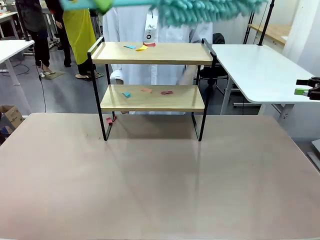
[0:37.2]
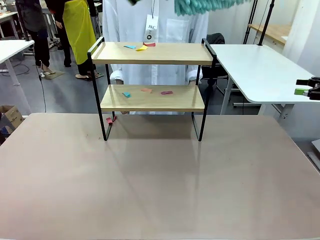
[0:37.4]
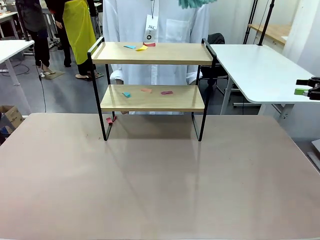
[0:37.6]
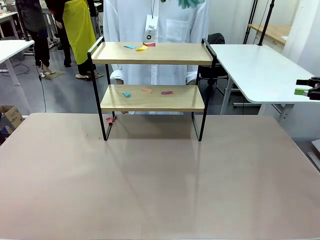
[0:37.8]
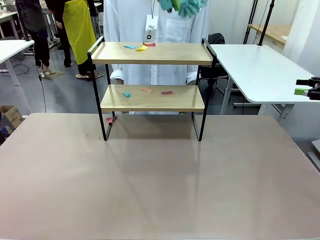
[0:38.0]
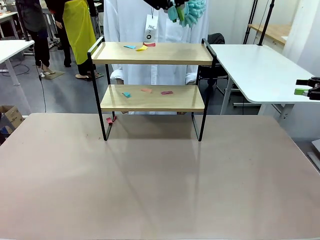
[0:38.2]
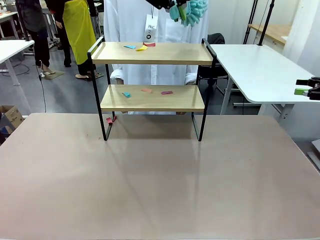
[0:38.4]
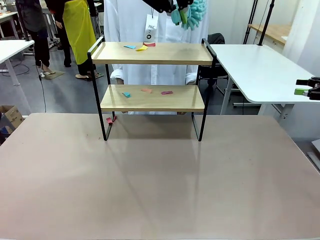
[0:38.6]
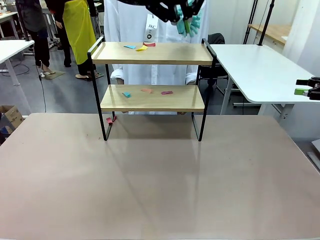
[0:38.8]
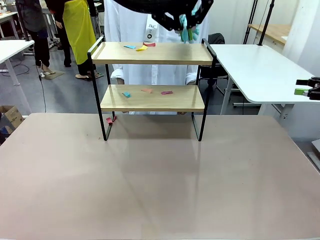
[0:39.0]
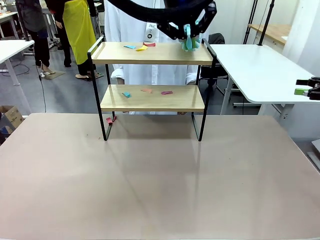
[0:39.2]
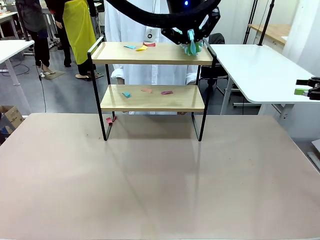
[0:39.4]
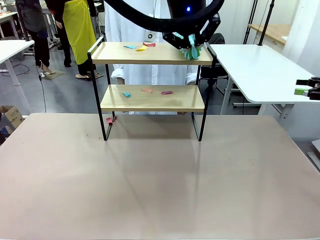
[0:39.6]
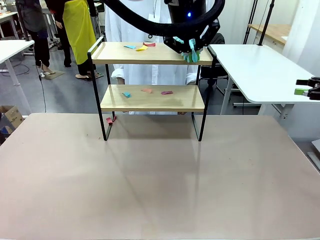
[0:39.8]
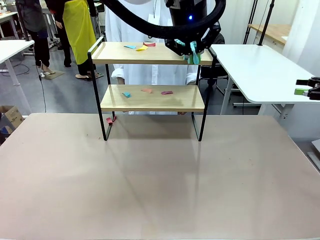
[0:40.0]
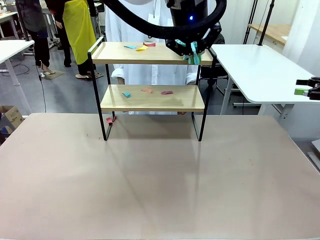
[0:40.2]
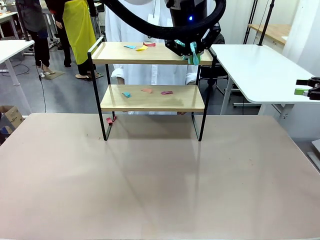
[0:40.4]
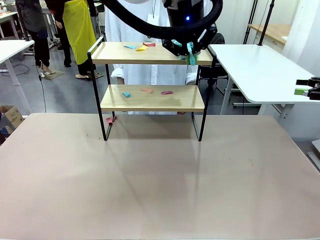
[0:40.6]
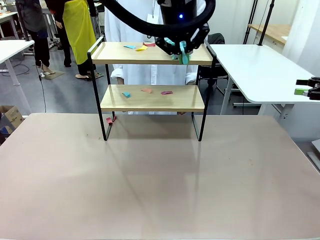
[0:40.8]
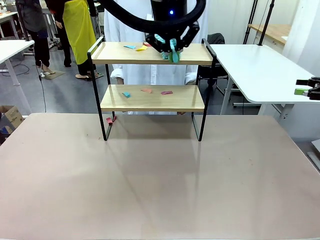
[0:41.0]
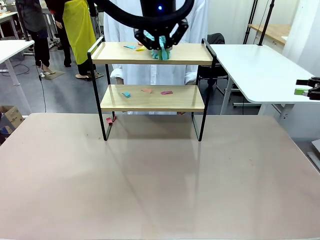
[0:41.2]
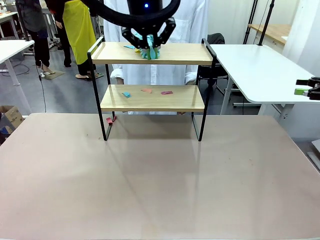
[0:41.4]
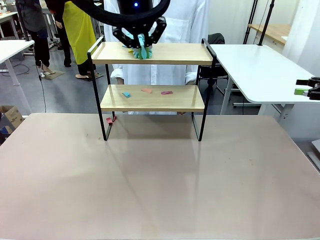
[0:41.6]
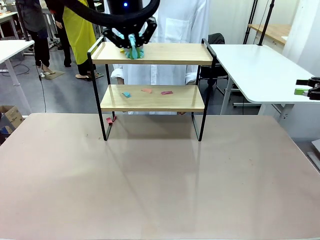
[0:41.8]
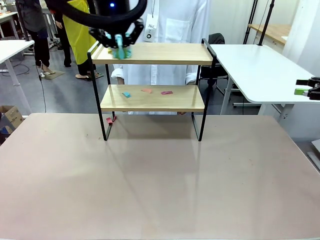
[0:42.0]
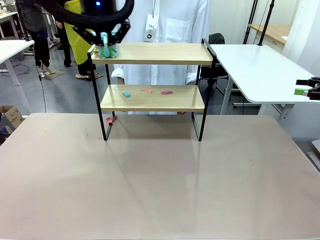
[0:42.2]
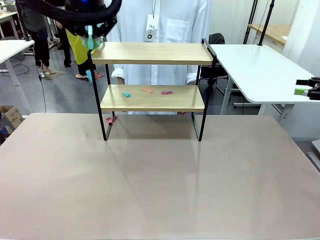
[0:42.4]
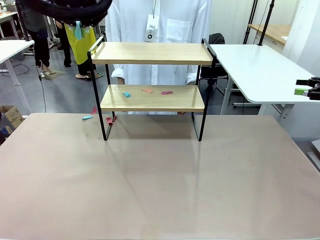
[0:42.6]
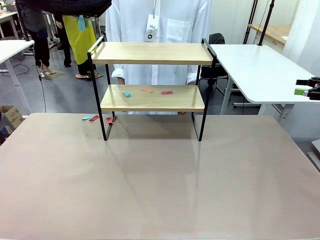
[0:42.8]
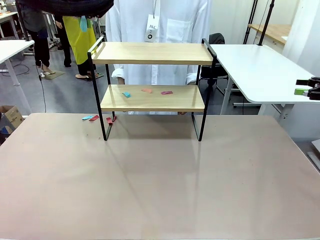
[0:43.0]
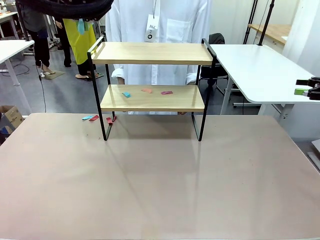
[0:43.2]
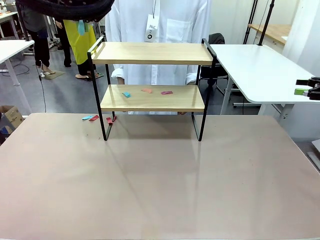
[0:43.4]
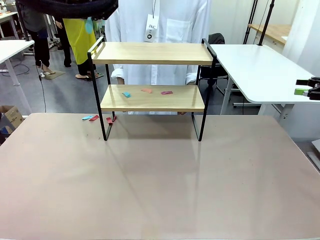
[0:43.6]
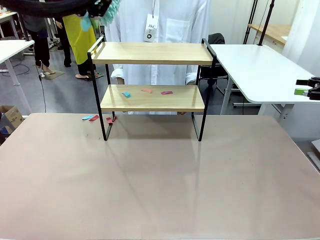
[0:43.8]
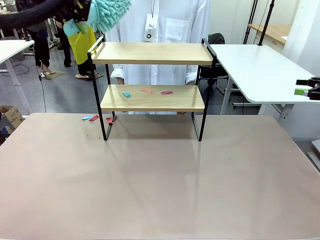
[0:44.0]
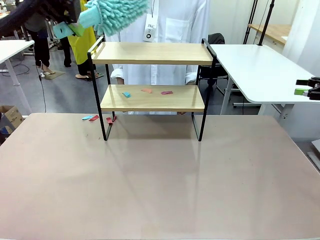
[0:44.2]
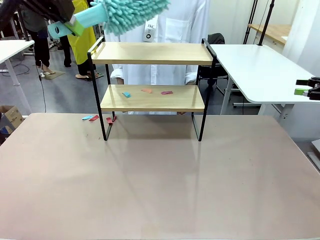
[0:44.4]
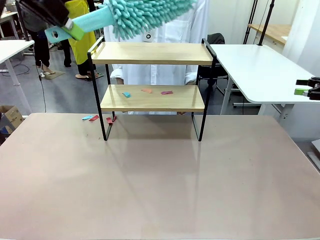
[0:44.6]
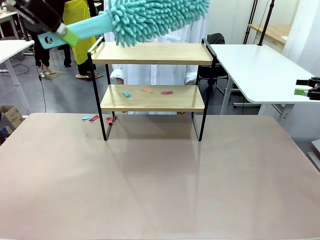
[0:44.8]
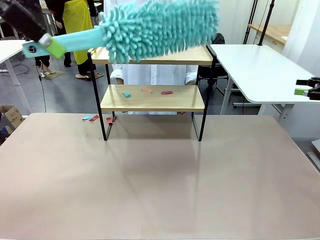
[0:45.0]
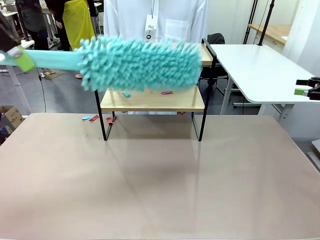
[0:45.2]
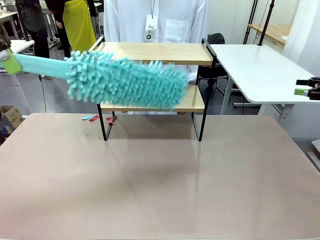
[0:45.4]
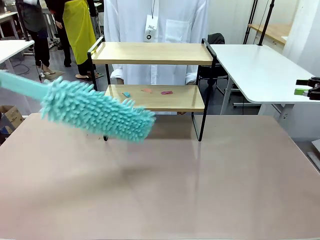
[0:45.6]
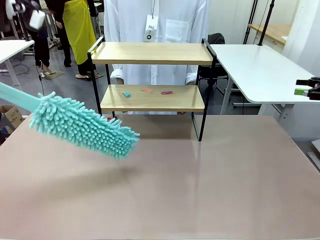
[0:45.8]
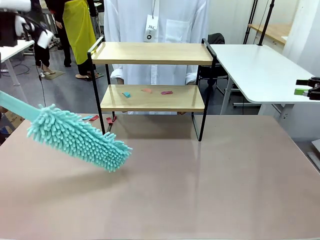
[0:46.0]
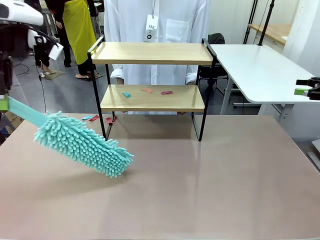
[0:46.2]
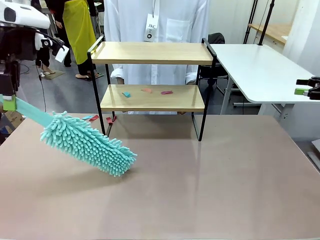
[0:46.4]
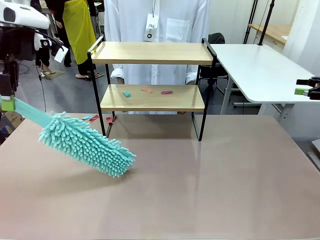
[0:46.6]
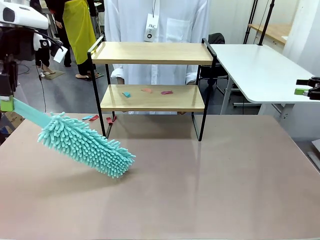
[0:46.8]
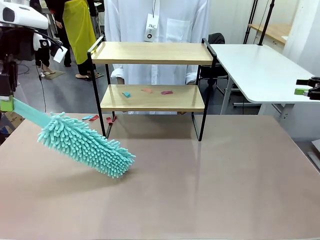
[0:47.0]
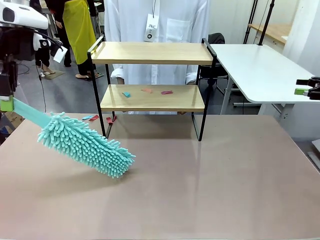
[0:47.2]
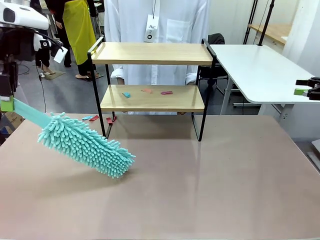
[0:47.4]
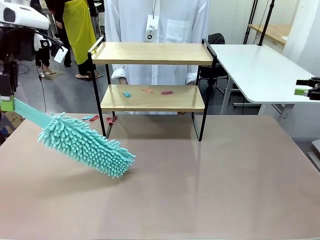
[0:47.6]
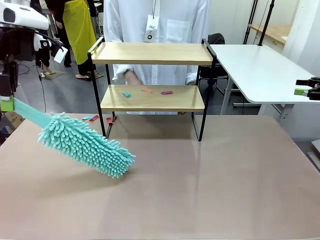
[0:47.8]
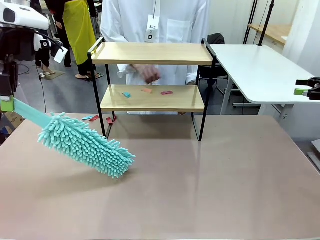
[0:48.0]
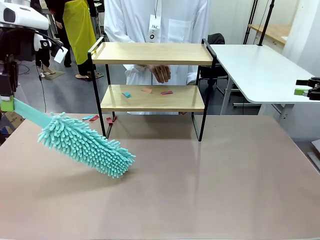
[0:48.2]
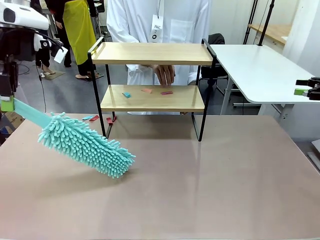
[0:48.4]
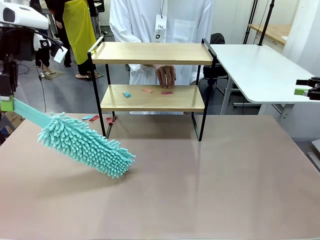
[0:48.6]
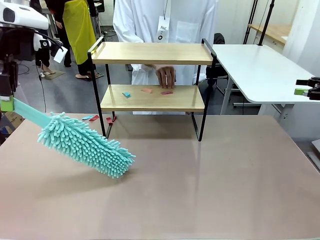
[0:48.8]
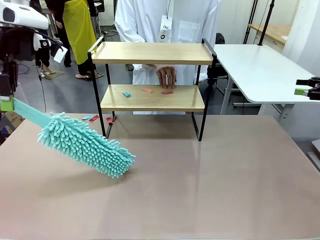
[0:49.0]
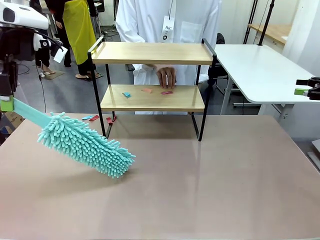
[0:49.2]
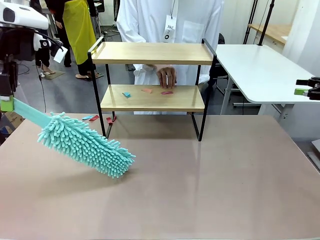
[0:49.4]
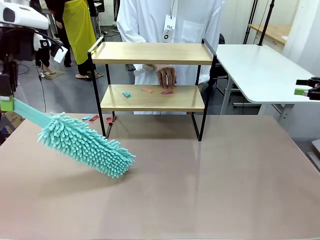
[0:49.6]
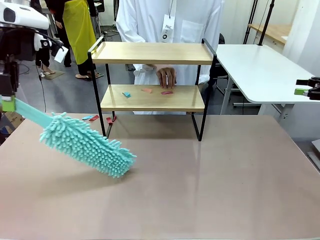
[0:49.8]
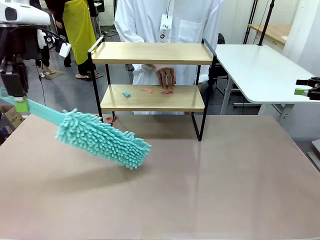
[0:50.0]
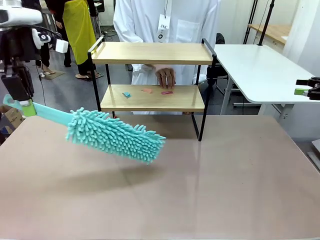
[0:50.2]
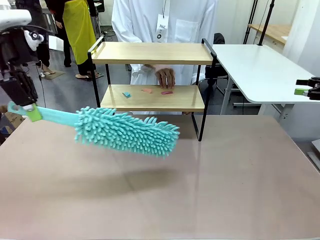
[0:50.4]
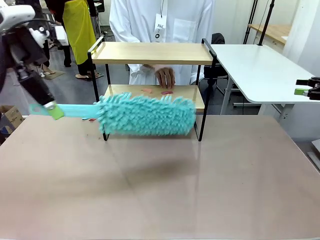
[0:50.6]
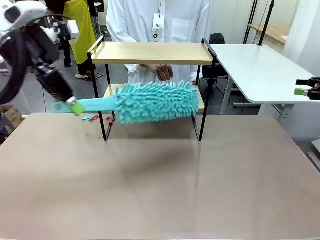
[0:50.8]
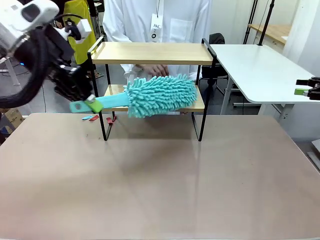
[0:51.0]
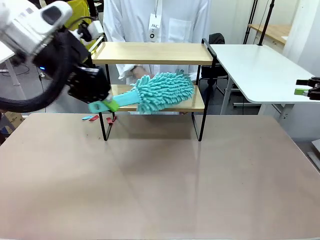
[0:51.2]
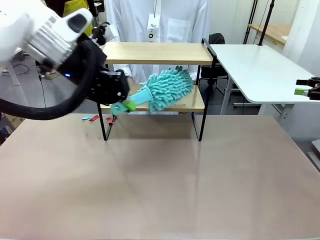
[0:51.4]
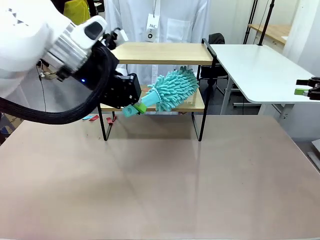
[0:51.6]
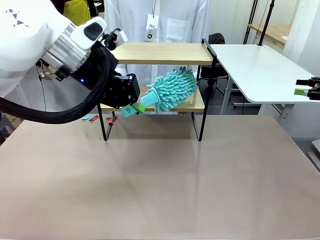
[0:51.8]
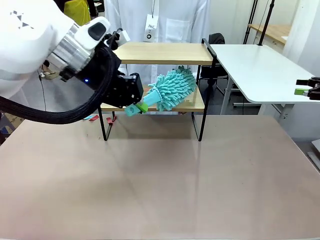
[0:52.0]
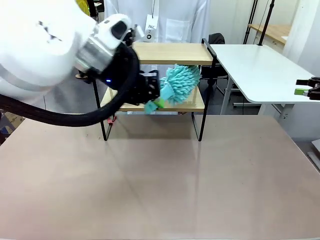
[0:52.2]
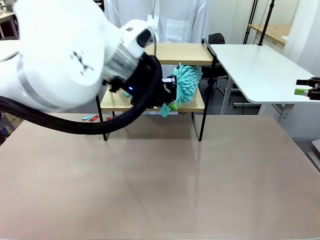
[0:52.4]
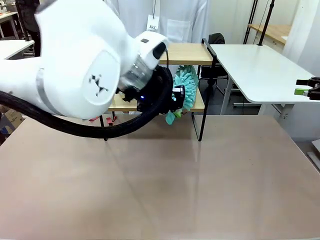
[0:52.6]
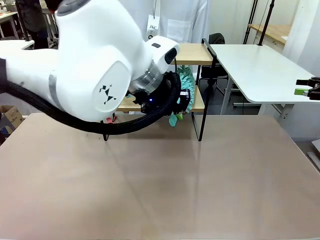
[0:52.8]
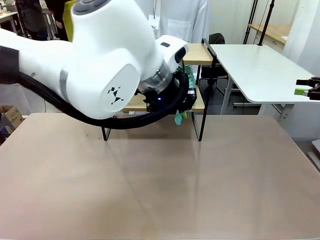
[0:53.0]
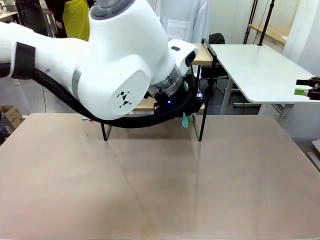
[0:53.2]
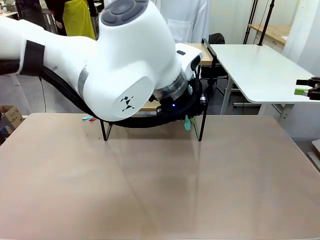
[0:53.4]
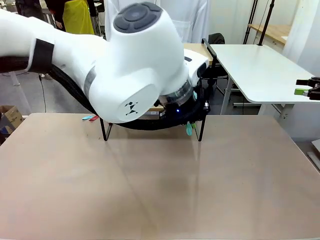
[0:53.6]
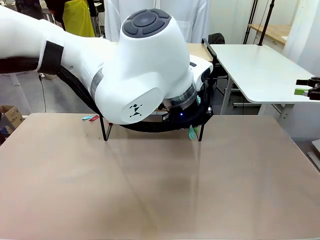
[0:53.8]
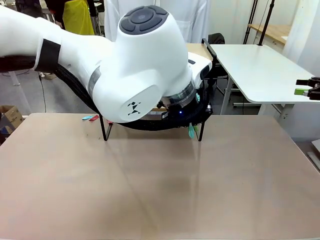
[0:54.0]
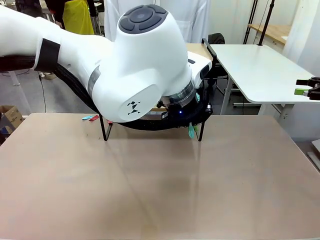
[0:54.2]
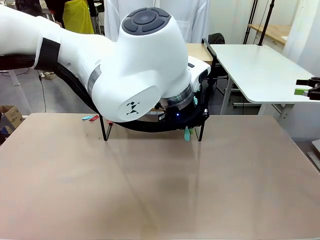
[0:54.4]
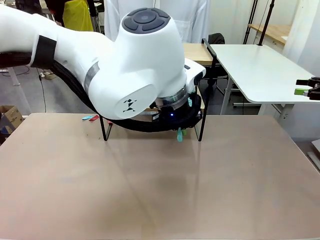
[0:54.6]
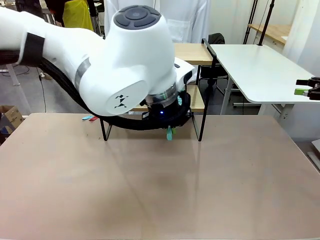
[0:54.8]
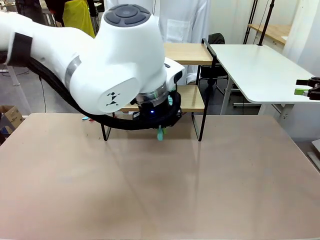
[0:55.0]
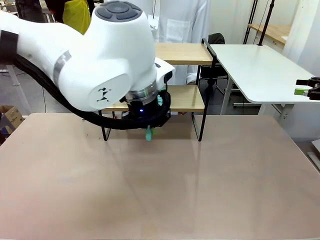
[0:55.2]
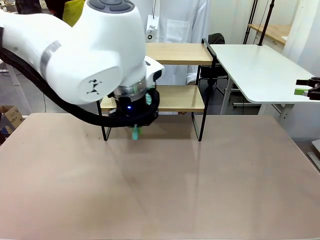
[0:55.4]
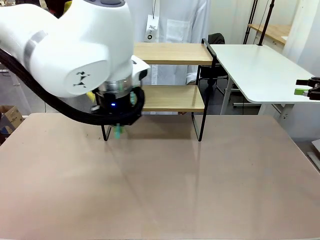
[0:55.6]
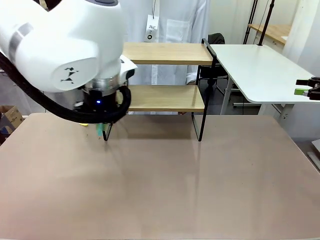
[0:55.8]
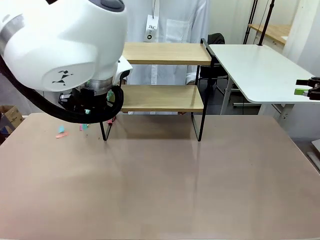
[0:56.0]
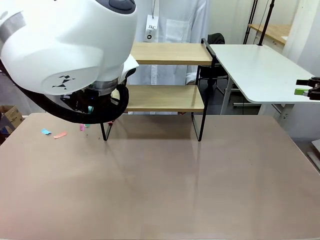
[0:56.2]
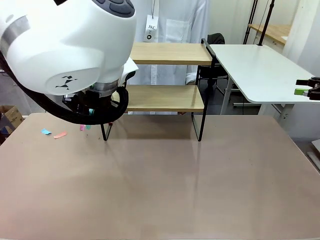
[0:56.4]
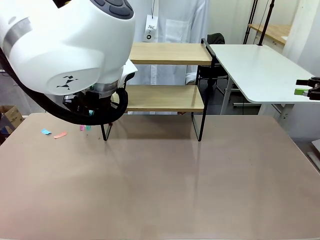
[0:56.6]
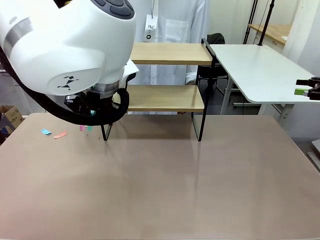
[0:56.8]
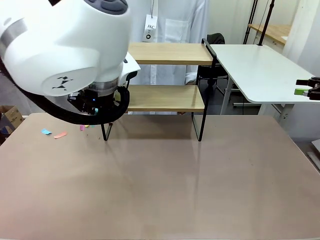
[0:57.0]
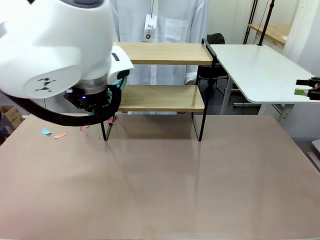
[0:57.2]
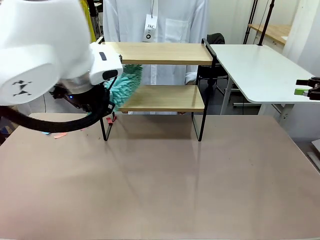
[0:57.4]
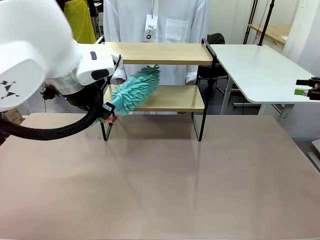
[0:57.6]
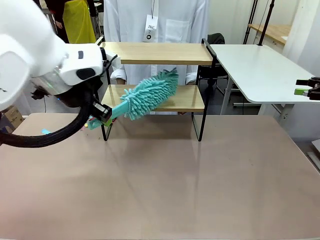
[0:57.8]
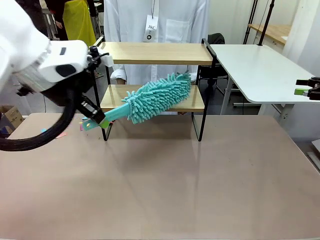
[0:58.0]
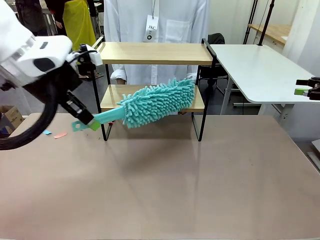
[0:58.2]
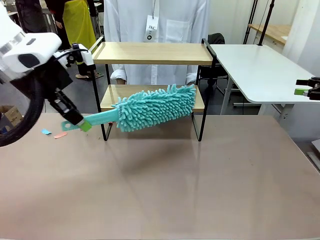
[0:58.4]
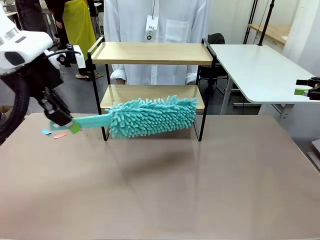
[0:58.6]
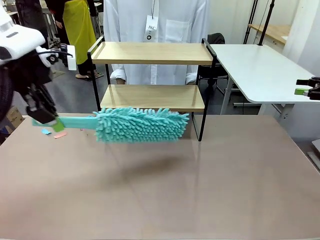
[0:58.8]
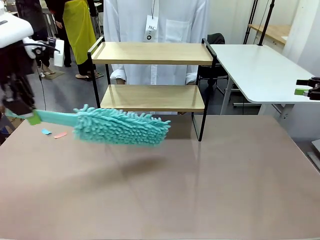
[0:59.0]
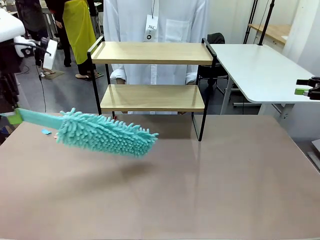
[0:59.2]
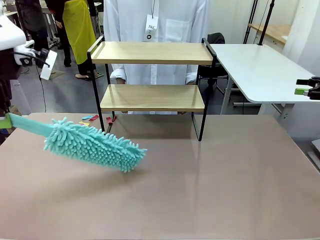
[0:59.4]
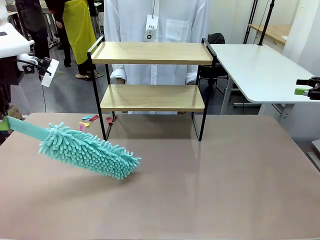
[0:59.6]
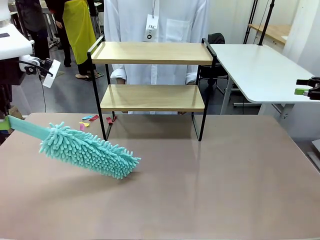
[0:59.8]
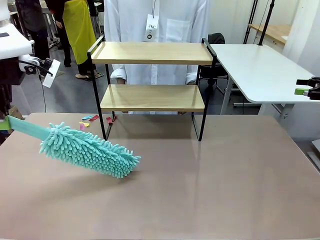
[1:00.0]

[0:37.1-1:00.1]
Task: Clean the shelf.
Robot: Clean the specific section of the Shelf indicated by the human with the Duster.
Person: Point a remaining section of the Shelf.
